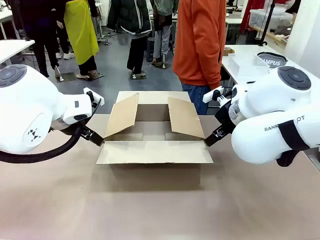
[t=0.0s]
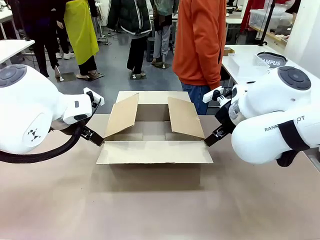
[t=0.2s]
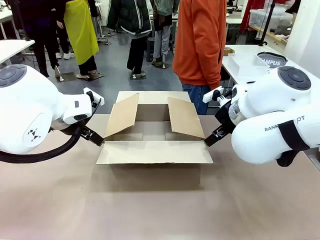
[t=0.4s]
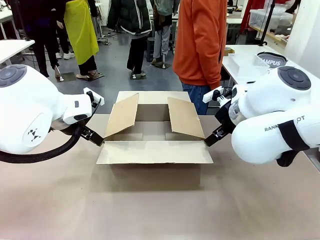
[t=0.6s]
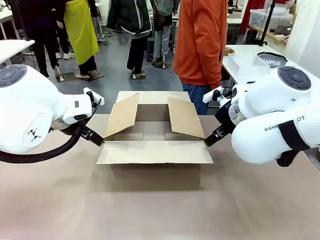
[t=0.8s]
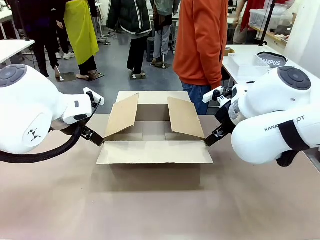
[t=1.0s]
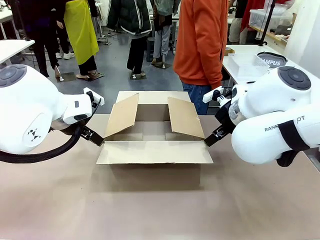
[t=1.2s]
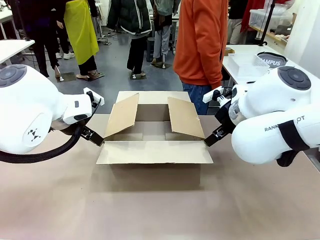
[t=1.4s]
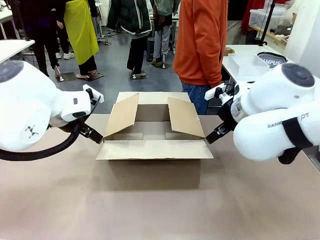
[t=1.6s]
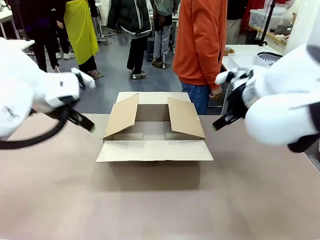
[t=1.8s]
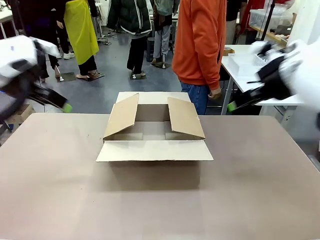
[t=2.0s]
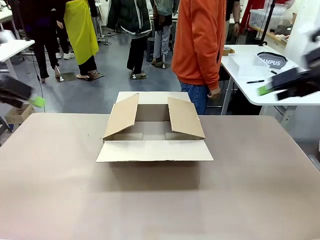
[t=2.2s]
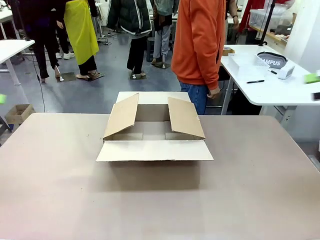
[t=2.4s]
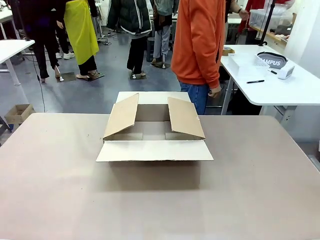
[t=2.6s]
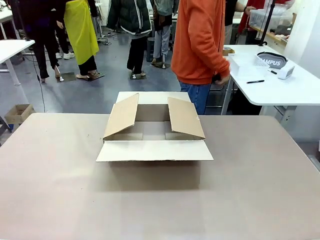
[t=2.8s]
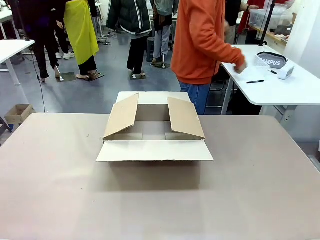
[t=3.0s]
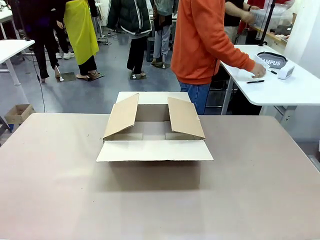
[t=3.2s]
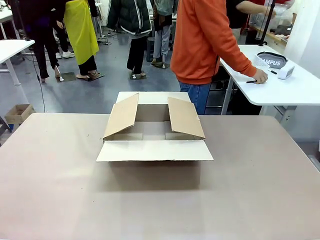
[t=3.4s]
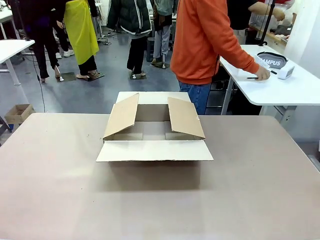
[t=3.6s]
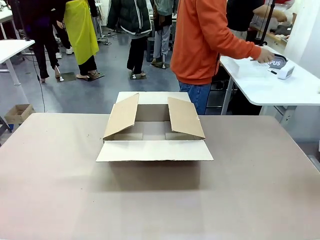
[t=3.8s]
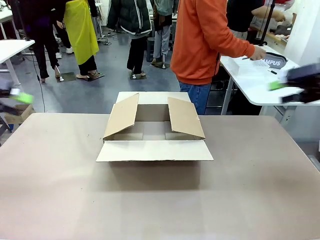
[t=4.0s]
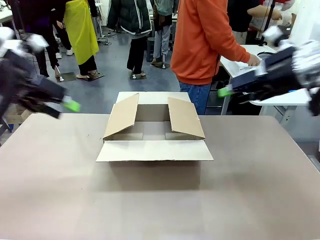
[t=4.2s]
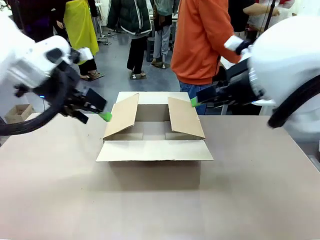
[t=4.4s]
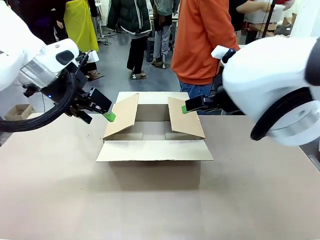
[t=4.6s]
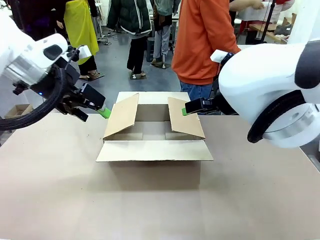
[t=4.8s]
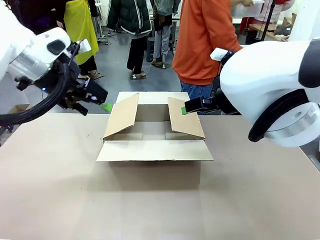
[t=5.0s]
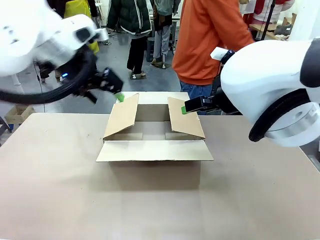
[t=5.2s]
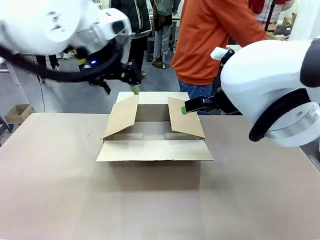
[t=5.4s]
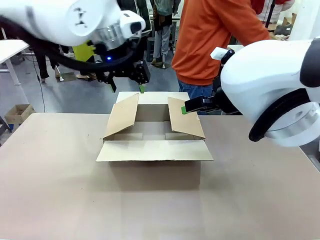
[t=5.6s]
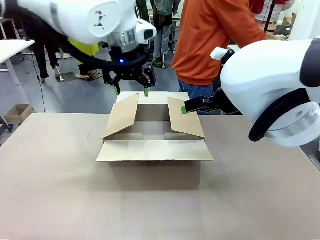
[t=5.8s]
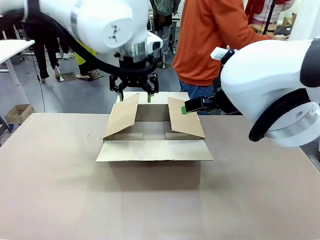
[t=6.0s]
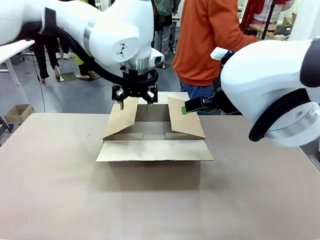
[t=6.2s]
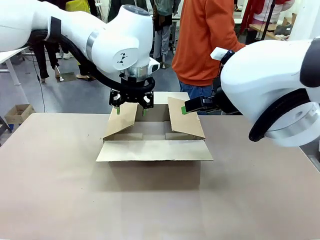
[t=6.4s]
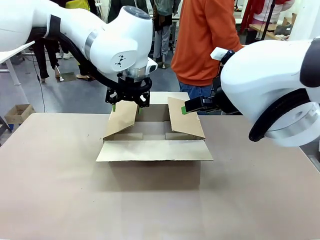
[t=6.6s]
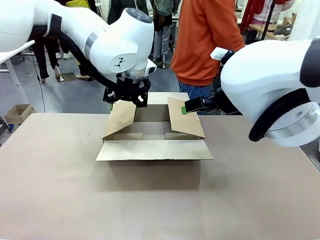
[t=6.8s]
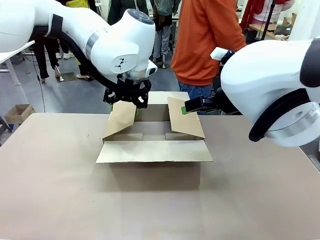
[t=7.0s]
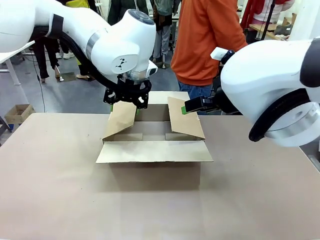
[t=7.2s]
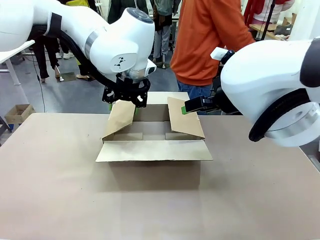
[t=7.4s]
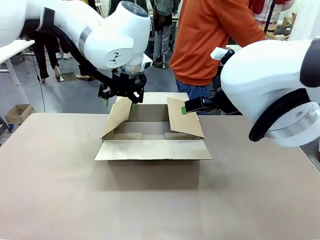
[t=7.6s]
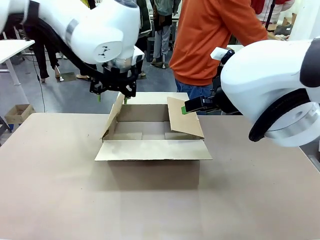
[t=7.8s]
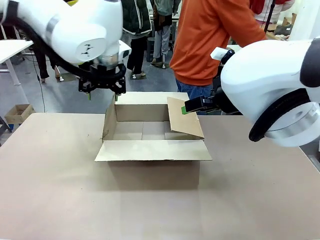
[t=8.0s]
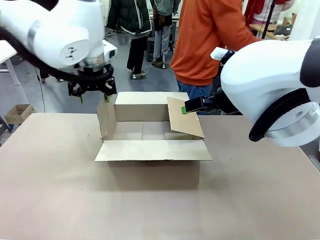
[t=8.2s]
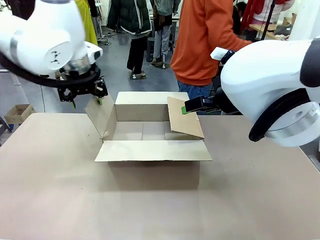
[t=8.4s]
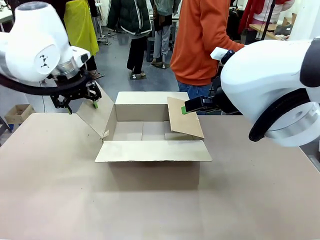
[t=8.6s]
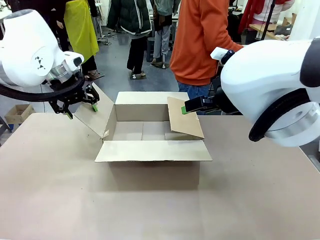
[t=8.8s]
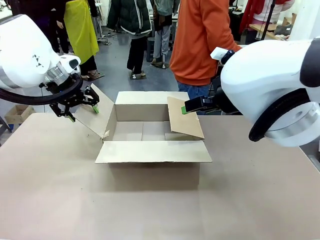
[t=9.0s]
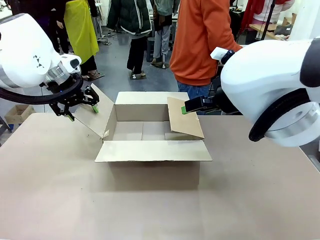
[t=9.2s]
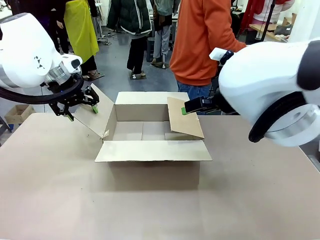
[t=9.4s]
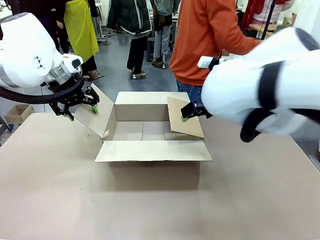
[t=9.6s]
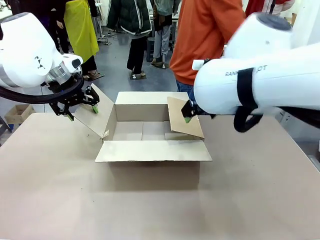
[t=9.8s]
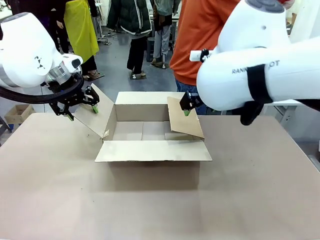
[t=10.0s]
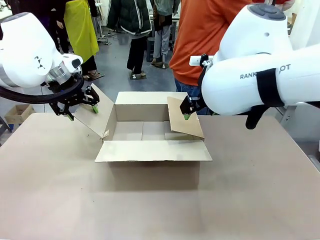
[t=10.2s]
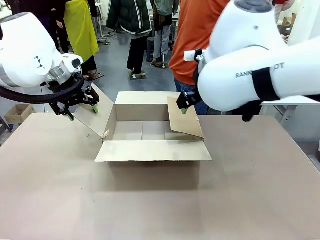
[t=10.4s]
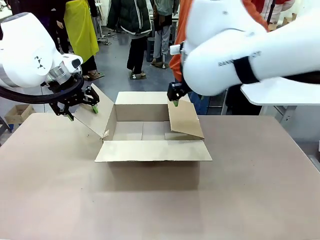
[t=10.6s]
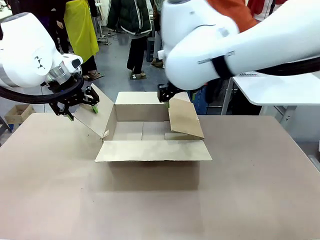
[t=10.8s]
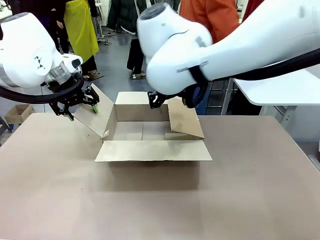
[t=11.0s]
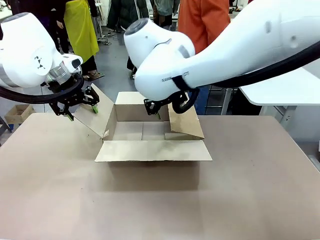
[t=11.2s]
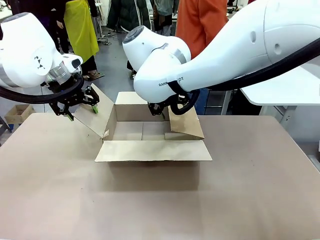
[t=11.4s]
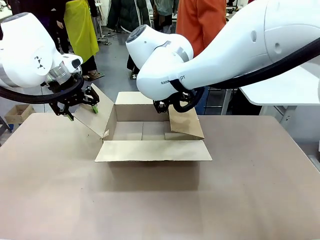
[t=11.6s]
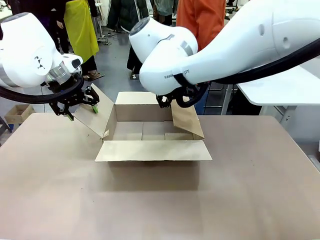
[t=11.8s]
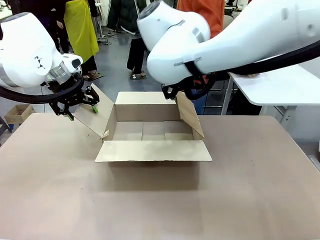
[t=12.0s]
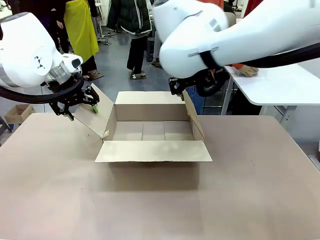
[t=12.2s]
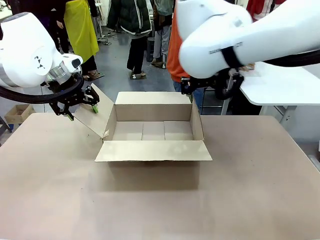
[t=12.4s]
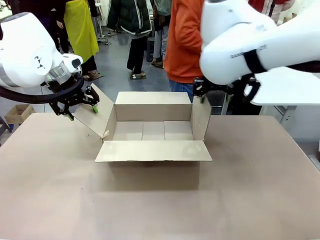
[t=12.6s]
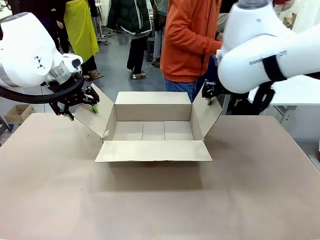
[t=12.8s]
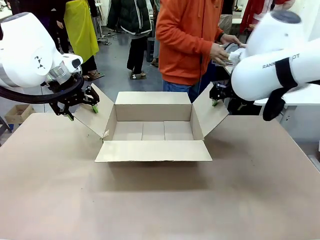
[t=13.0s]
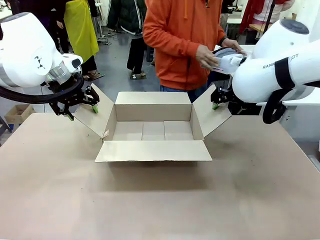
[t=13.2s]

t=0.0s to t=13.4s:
Task: Pack the gift set into the box.
Robot: Place both hands on the side flaps of the Package Box and spread them outward.
Person: The human places all items except the paper tape into the organizing basket.

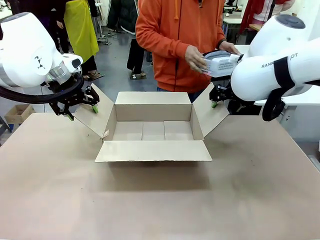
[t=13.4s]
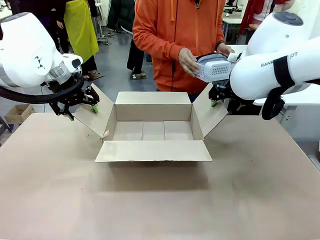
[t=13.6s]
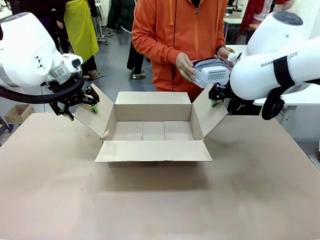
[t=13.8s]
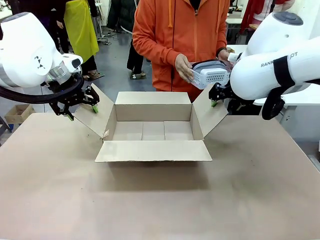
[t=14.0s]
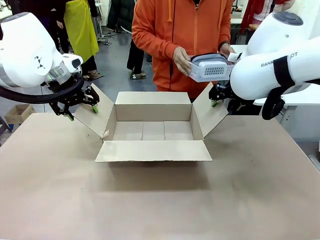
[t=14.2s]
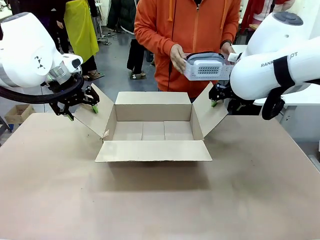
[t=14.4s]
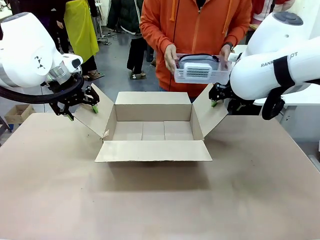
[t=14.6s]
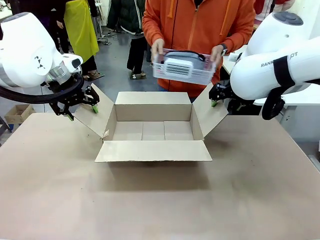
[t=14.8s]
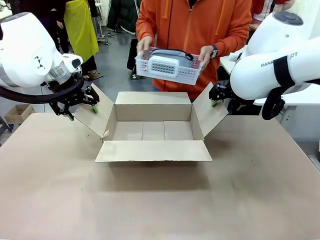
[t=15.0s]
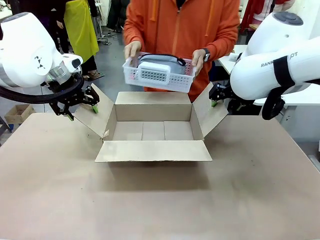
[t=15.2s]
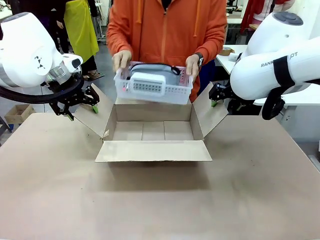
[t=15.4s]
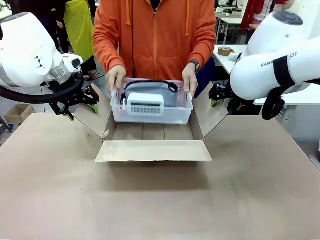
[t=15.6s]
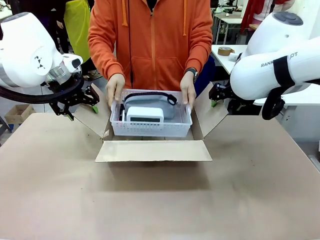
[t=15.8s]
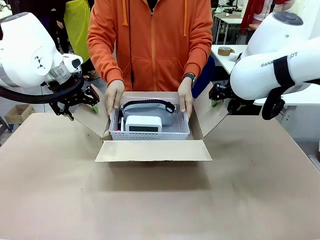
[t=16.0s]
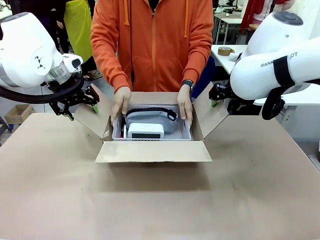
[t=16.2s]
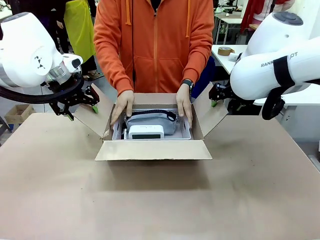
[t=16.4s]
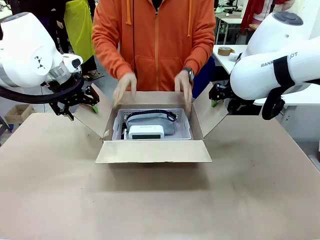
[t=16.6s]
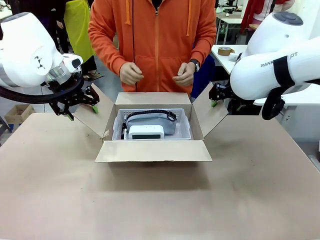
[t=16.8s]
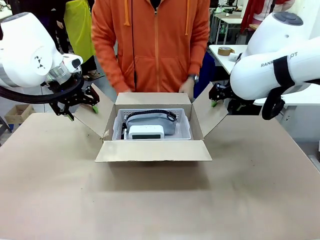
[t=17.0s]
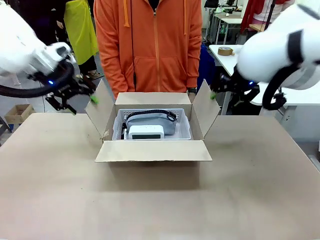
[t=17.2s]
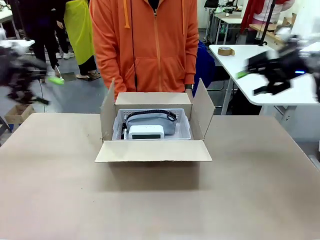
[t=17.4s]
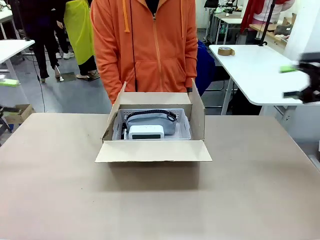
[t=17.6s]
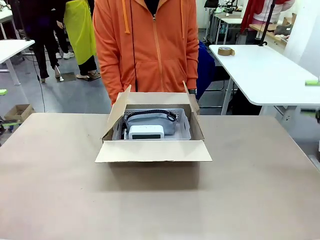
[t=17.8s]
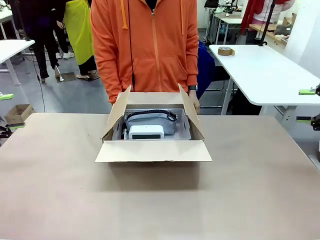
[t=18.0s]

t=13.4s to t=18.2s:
Robot: Lift both hands away from the flaps of the Package Box.
Person: The human picks up the organizing basket and places the organizing basket into the package box on the robot table.
